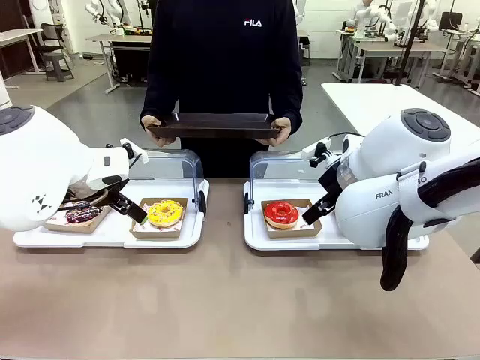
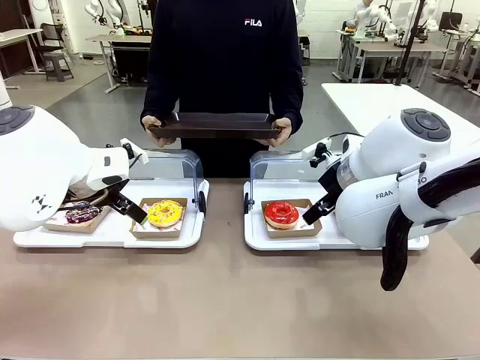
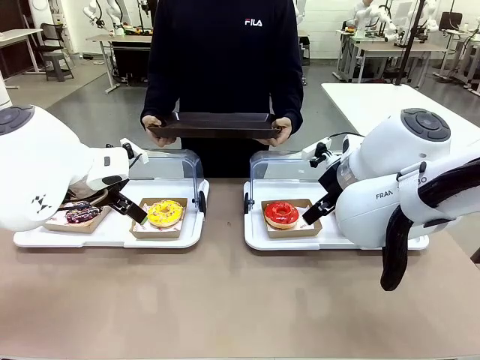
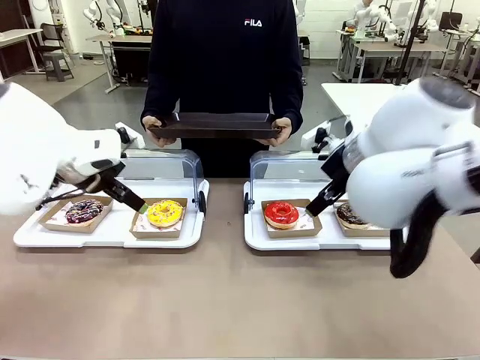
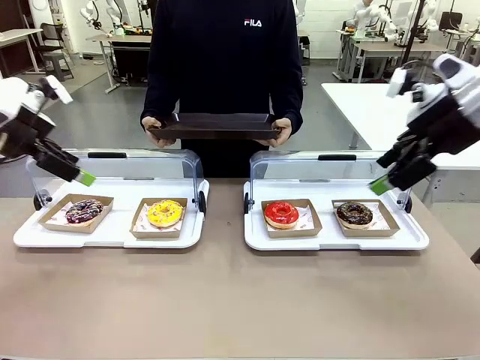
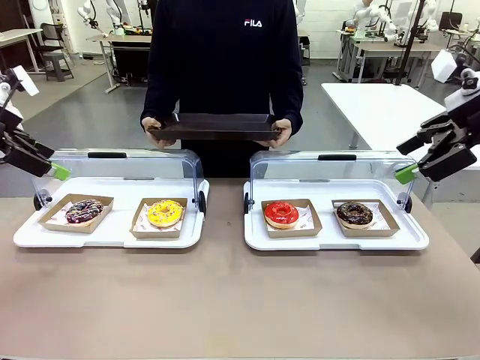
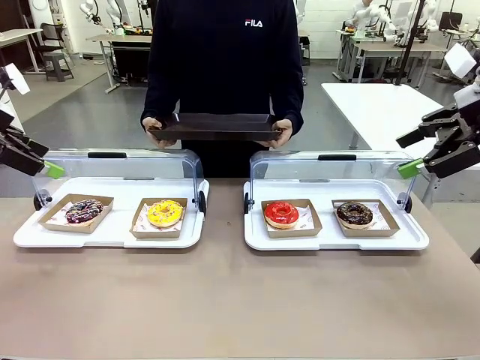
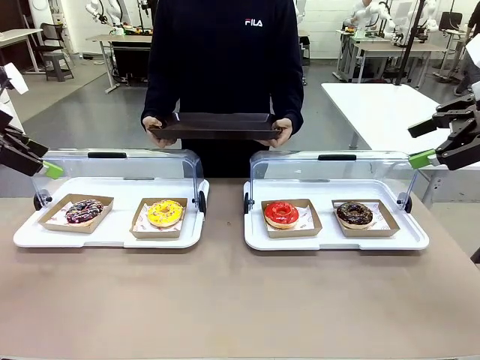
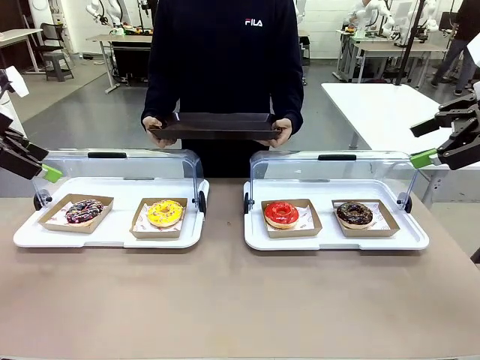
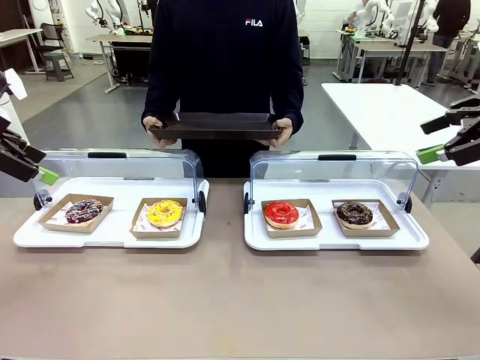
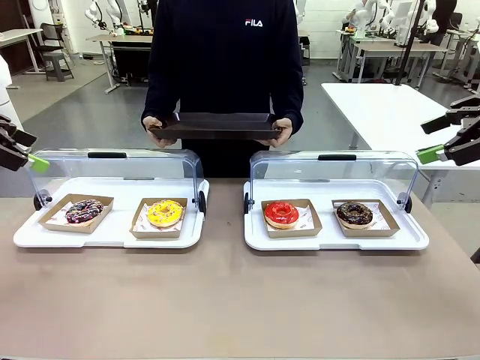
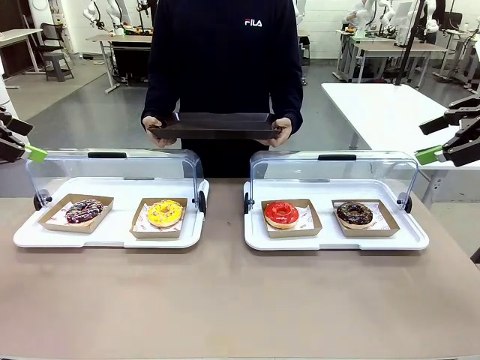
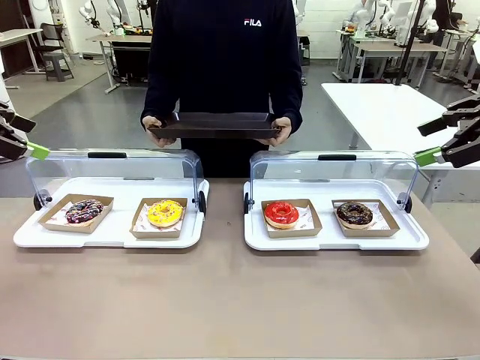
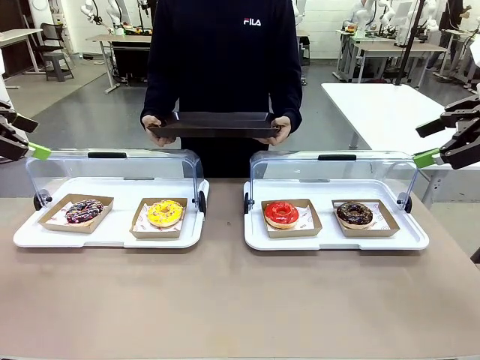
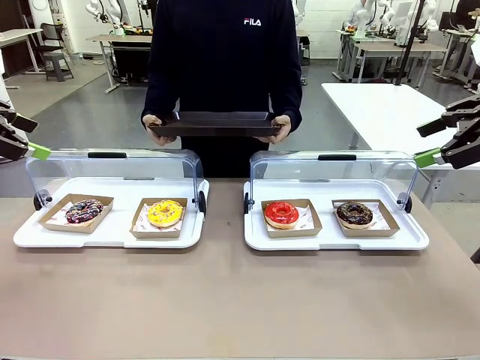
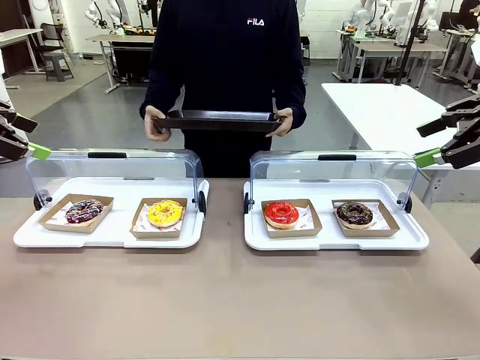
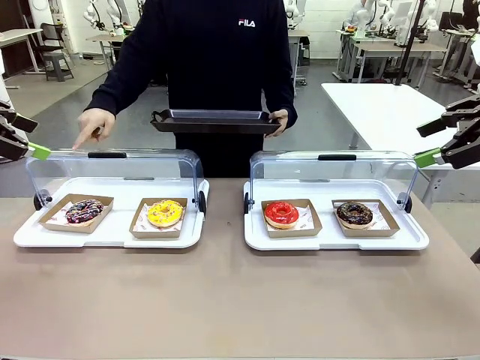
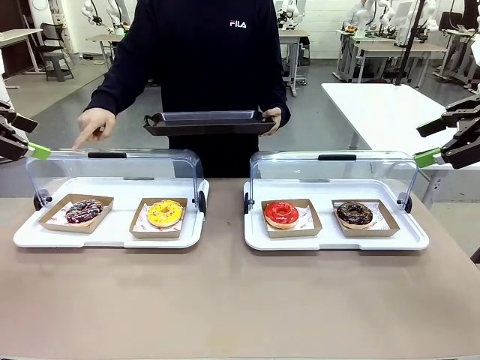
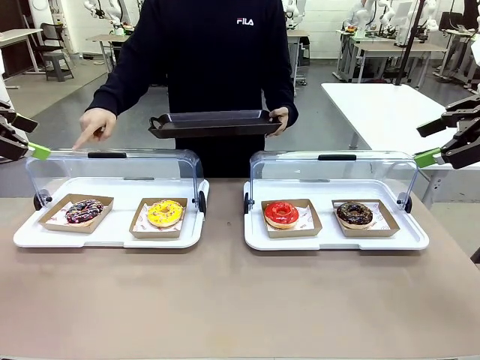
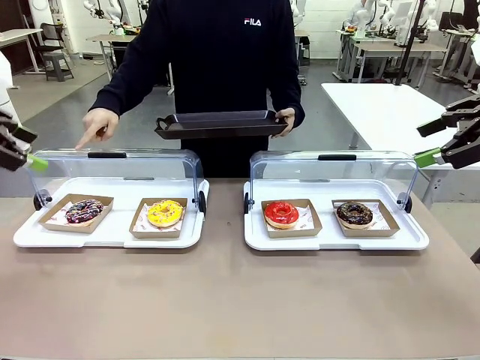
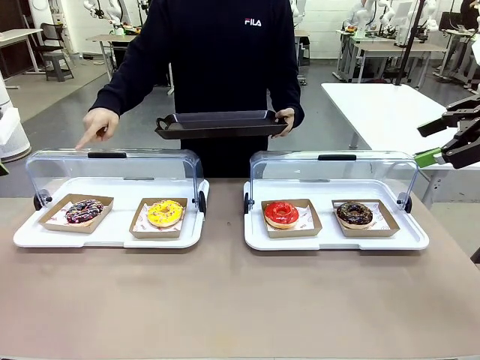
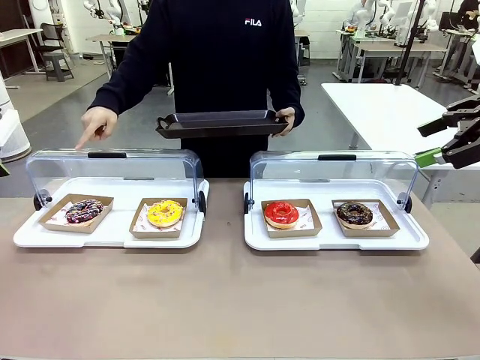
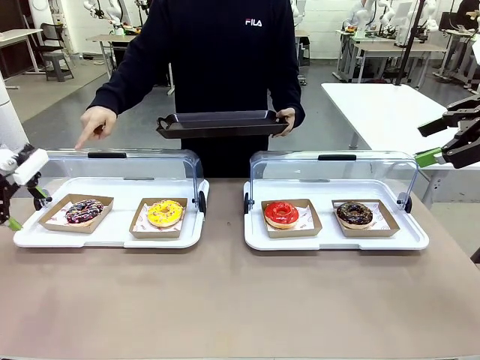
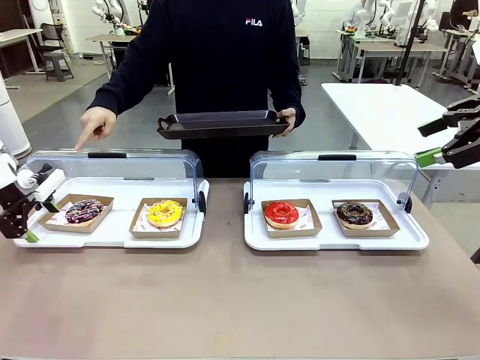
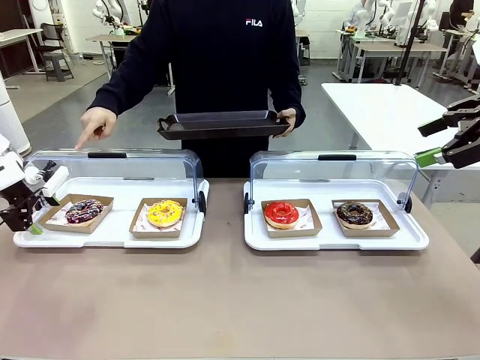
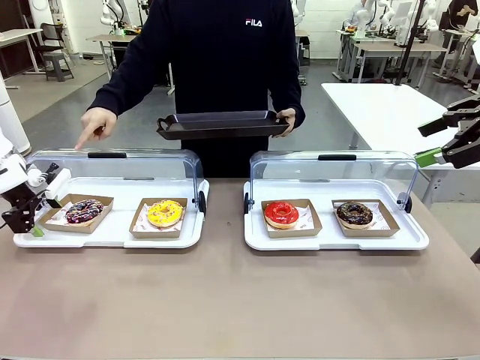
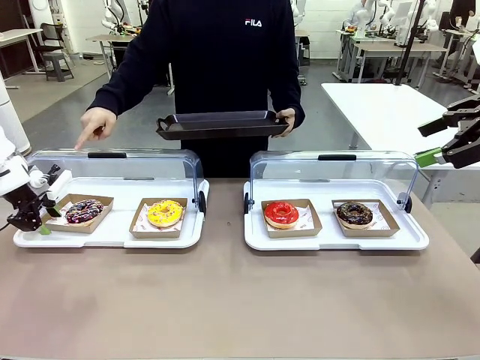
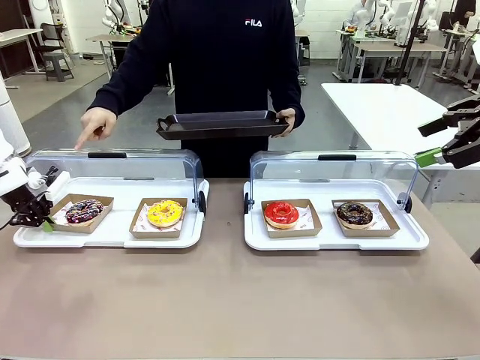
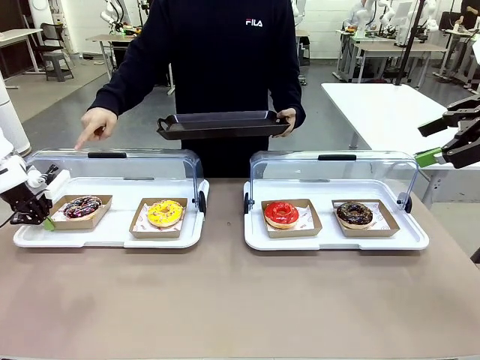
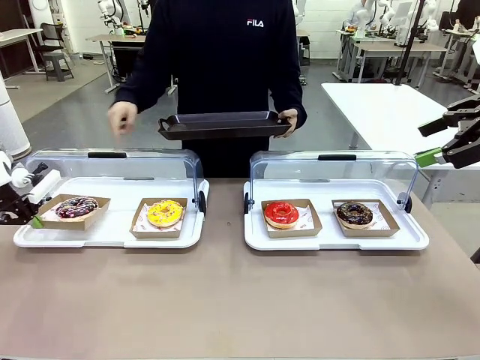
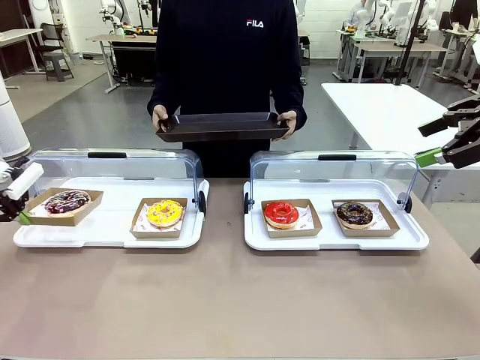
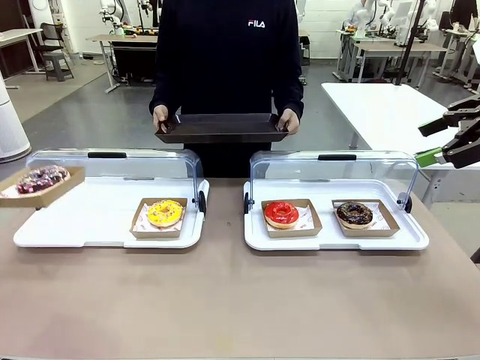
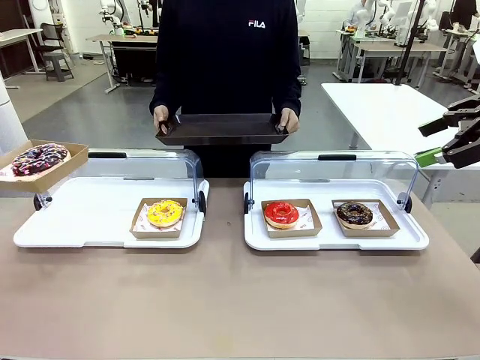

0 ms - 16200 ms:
Task: Provide the desired donut to the person.
Robot: Pick up and lift the Paper togo box containing the Donut pointed at by the person.
Person: Point to one donut. Lift the tray onto the Roll-Top Bakery Case.

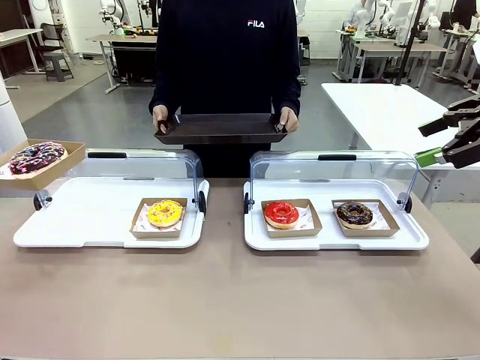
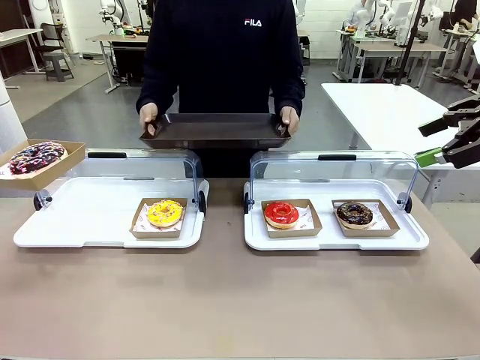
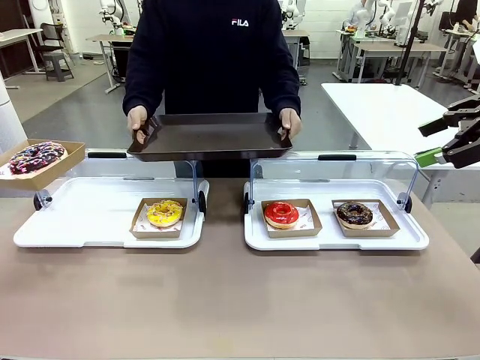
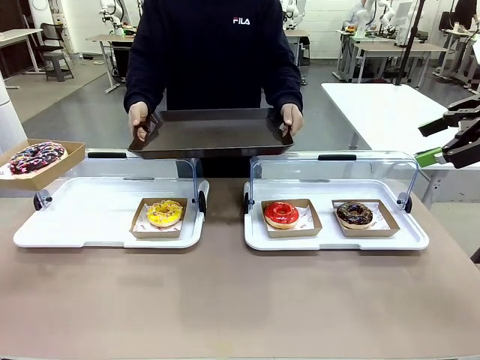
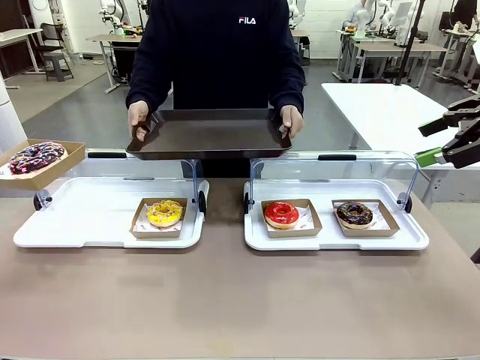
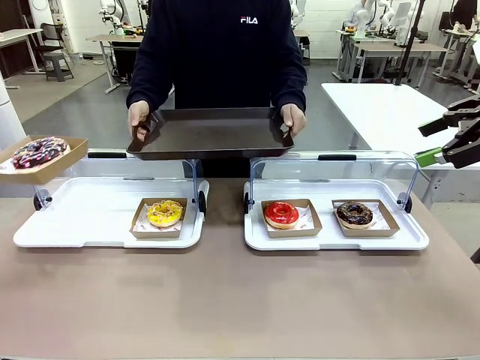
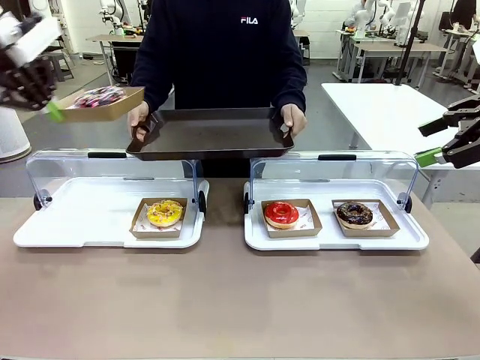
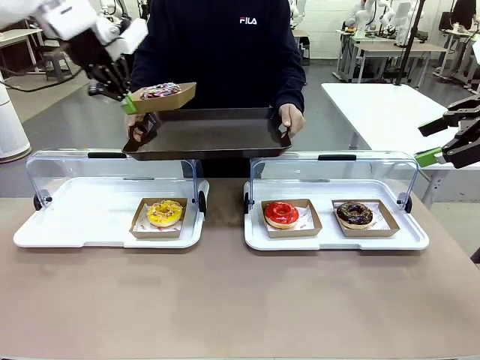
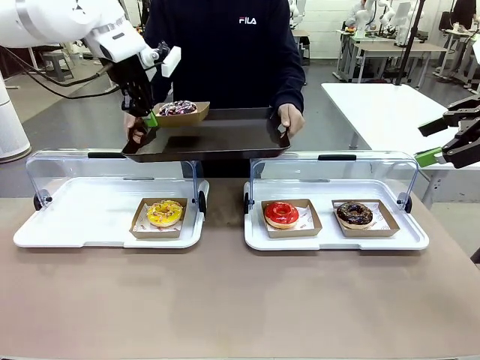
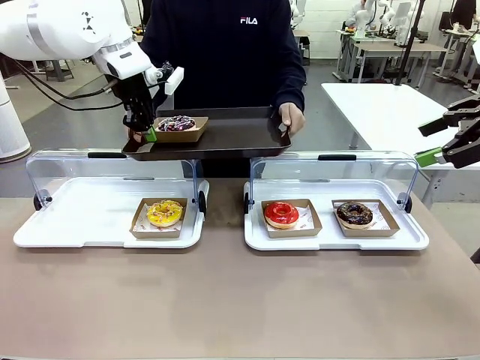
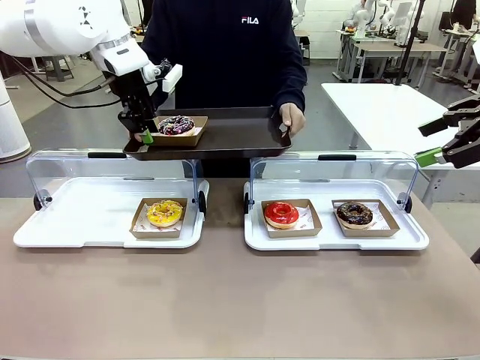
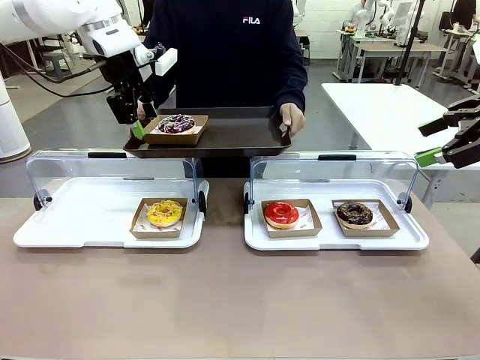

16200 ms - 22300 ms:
Robot: Place the picked Paper togo box onto the Handle tray extended by the person.
Person: Point to one donut.

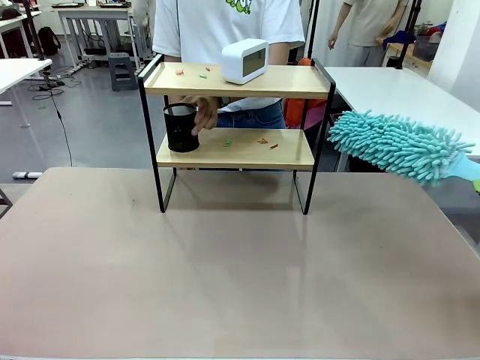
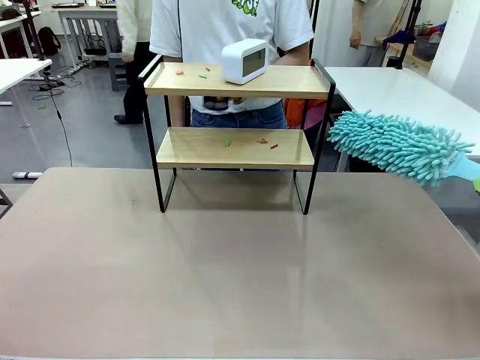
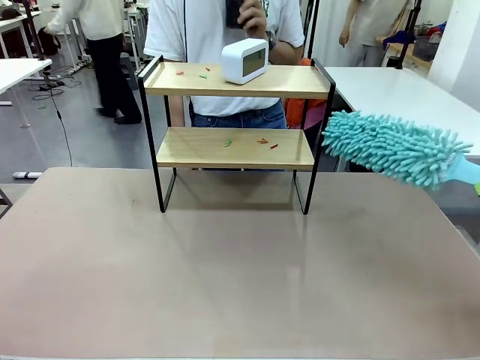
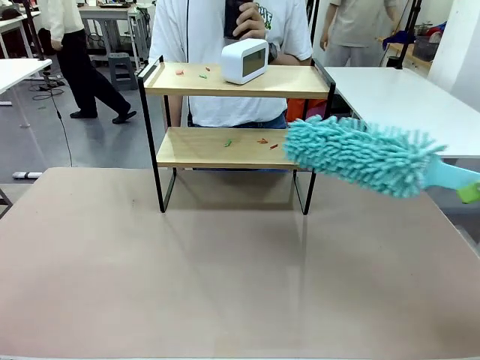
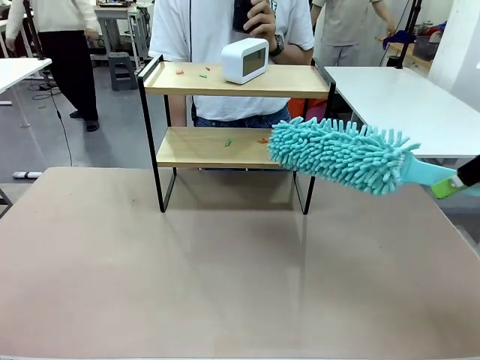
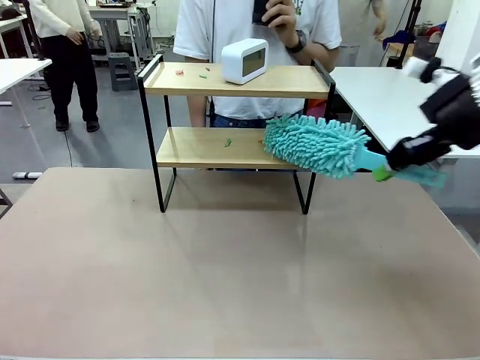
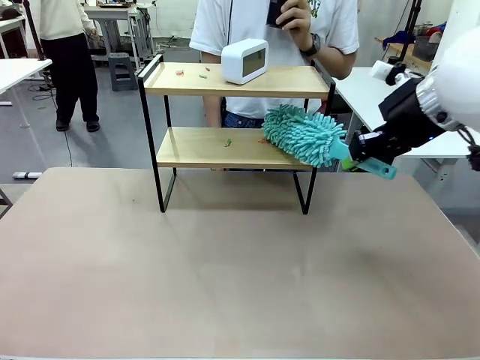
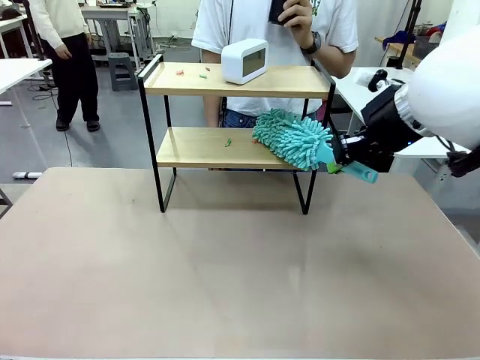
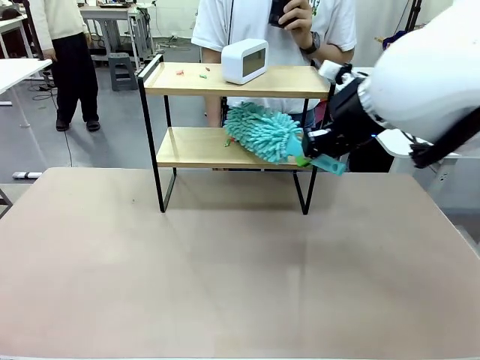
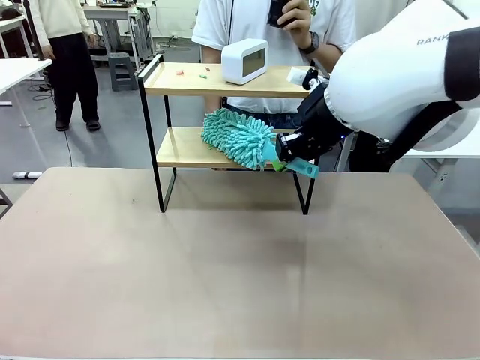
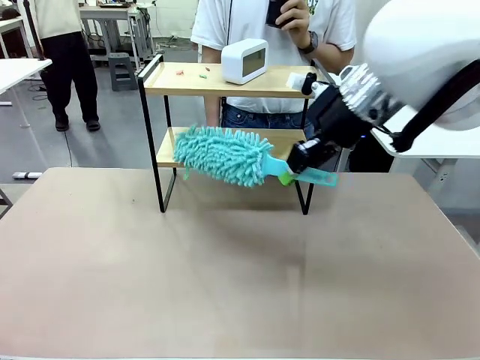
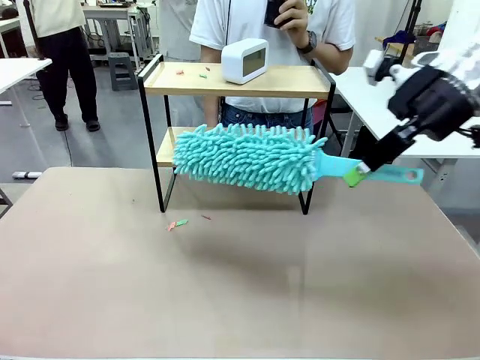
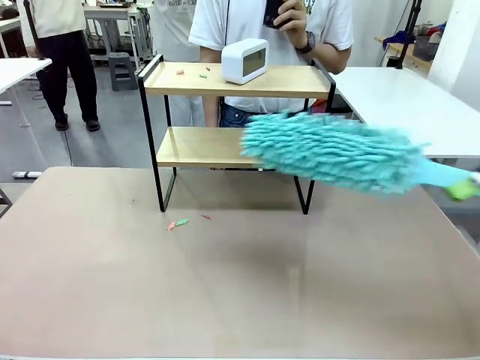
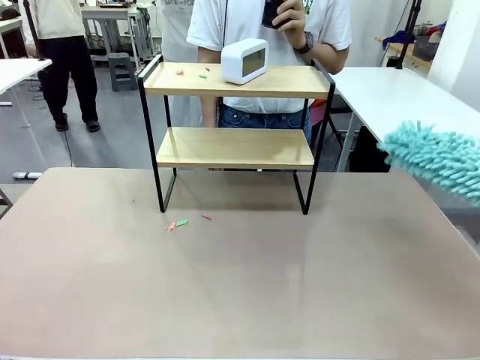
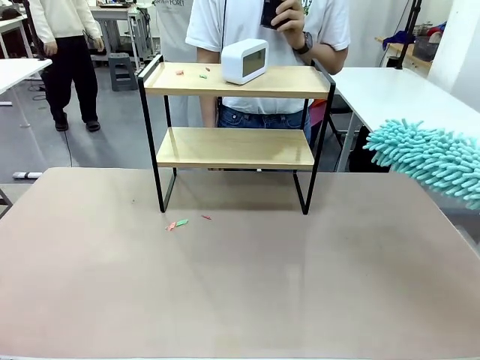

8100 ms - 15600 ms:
Task: Clean the shelf.
Robot: Clean the specific tier of the Shelf with the Duster once objects are removed.
Person: Lift the objects on a randomly selected tier of the Shelf. Once the robot finishes cleaning, lift the objects on the remaining tiers of the Shelf.
